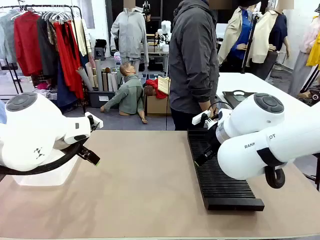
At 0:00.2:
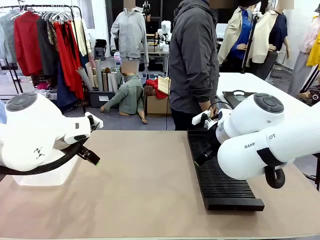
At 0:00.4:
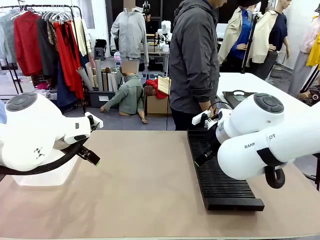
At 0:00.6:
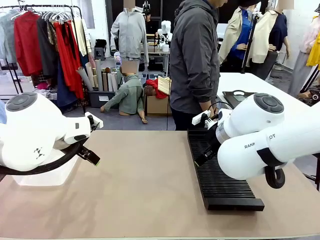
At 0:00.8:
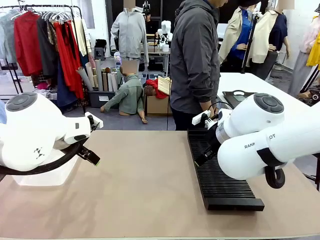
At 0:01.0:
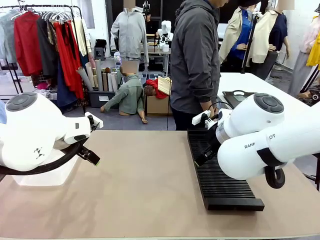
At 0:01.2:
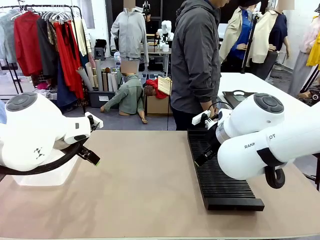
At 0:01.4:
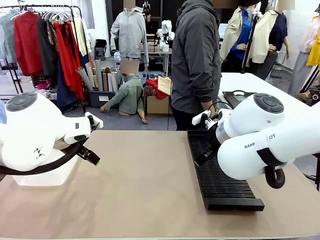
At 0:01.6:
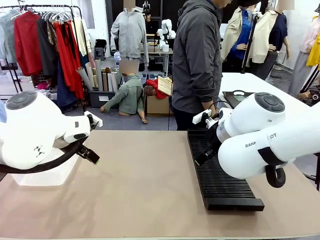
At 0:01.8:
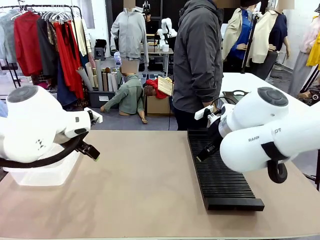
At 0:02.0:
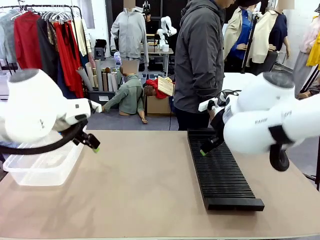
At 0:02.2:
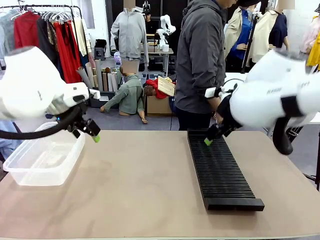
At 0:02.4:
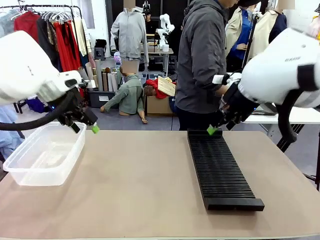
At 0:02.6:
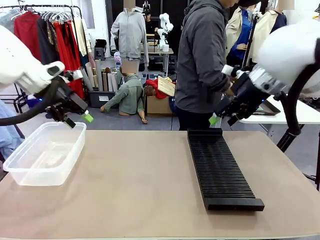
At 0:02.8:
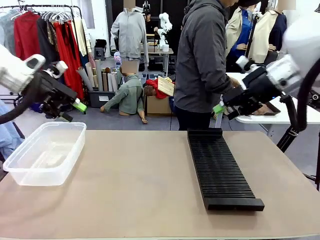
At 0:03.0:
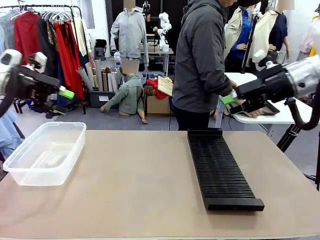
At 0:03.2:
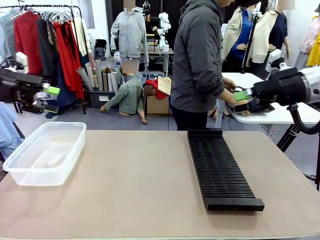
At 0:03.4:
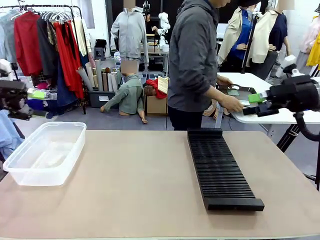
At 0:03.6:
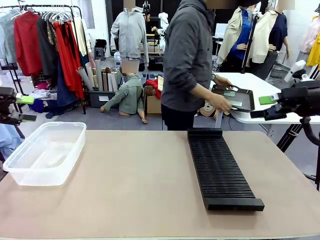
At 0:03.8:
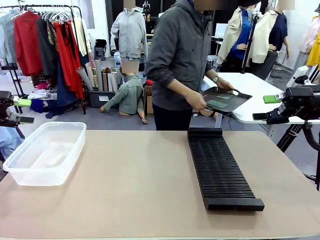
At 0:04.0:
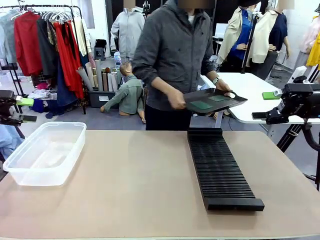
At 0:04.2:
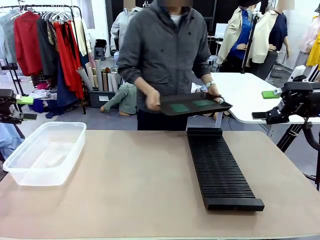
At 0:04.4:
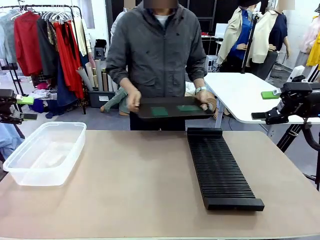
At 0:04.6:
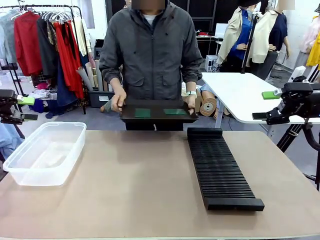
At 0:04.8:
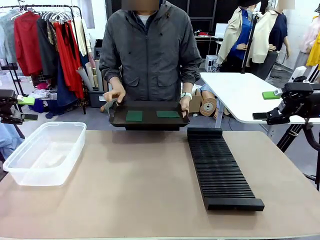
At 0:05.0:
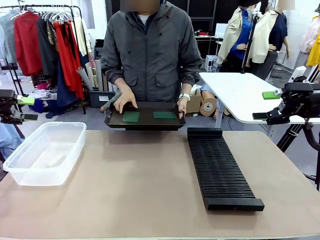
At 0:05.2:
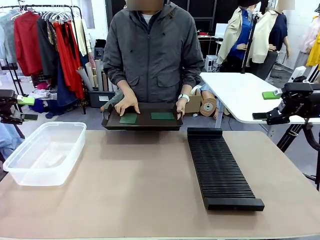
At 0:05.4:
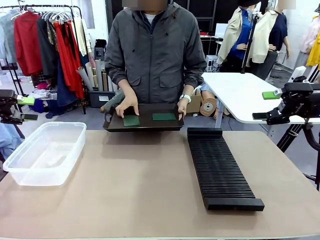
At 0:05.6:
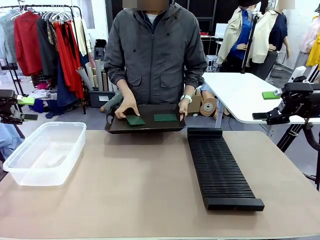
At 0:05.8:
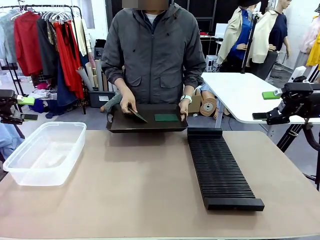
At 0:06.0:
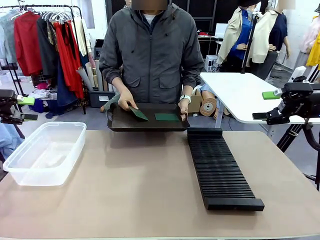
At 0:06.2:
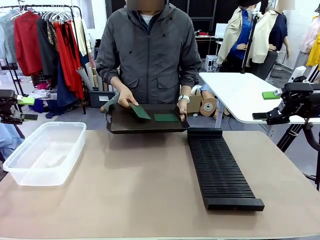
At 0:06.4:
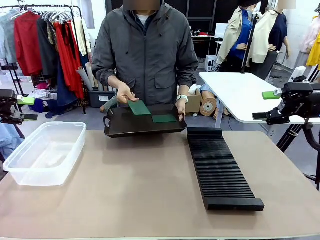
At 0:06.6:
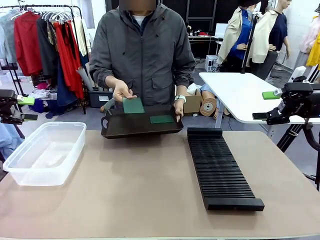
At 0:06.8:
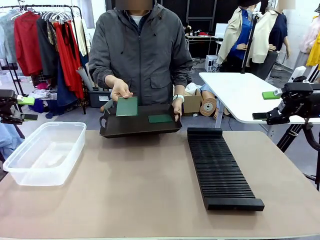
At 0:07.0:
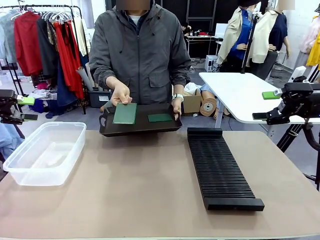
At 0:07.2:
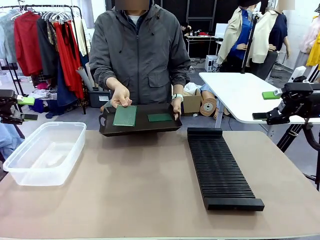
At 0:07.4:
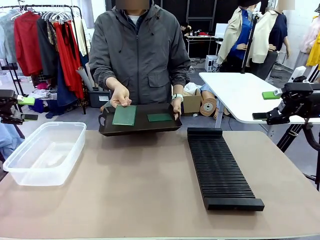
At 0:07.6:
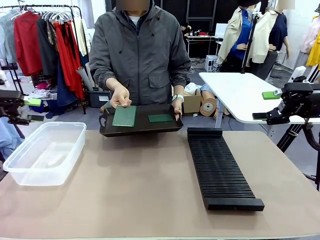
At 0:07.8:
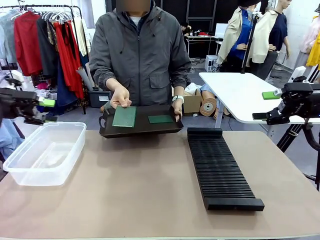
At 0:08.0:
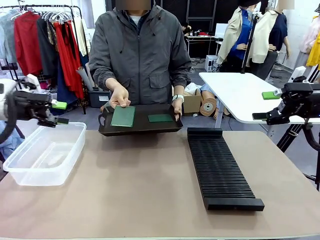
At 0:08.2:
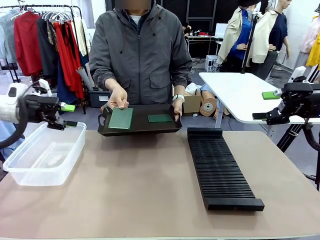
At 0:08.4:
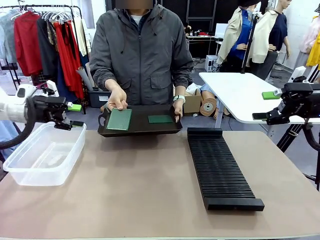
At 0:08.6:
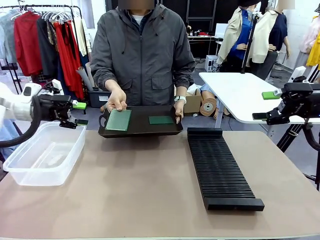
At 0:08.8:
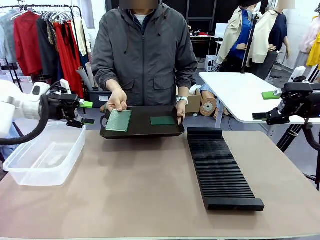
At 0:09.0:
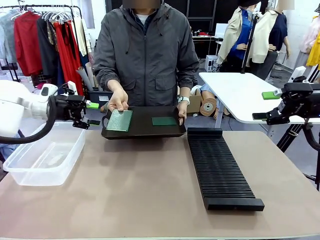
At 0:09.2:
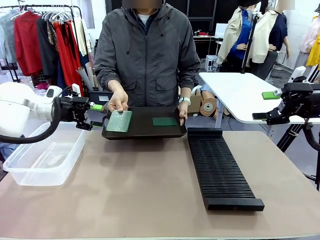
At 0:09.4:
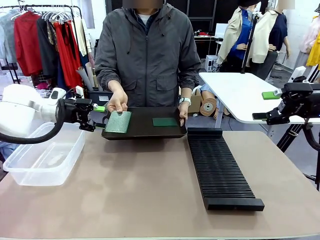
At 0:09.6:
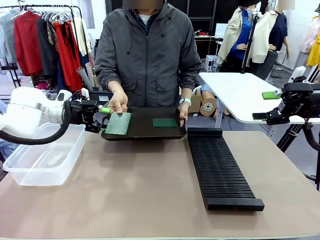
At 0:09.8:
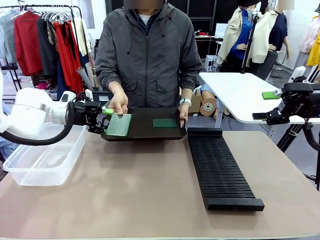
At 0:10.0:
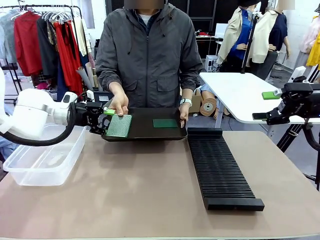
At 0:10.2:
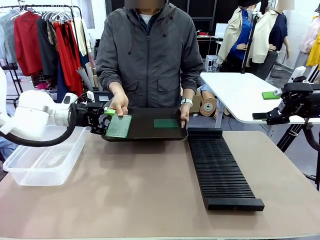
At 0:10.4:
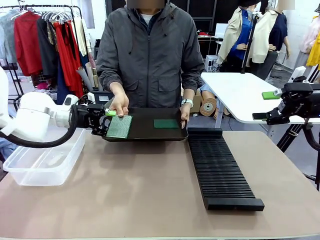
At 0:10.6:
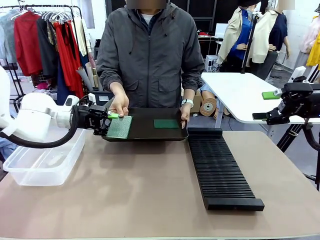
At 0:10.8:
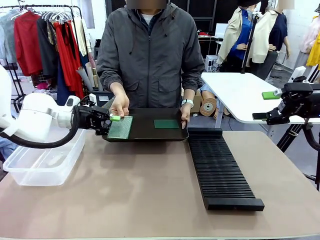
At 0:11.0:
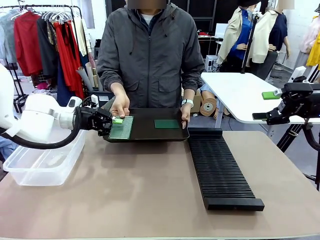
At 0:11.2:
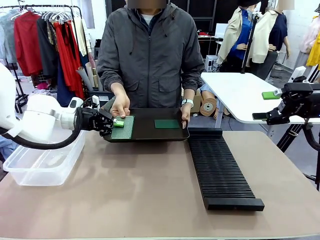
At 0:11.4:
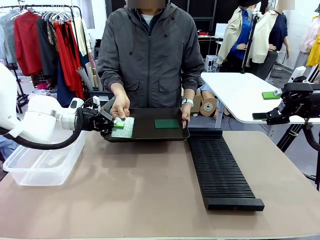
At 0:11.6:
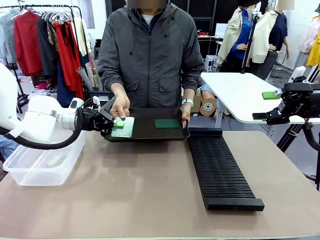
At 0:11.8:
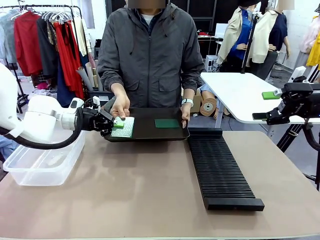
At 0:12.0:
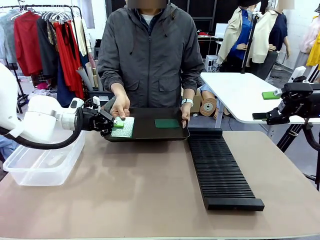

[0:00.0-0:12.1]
Task: Sort PCBs into racks and boxes based on the side picked up.
Robot: Pick up the Blank PCB handed by the Human.
Person: Pick one PCB from the tray and present it to the robot. Release the PCB being held.

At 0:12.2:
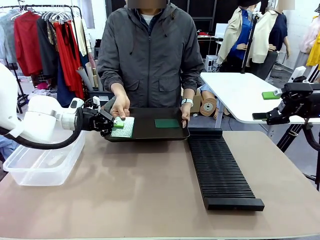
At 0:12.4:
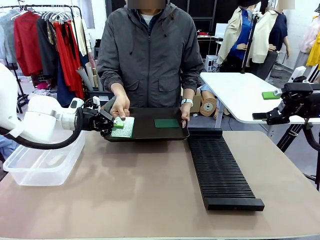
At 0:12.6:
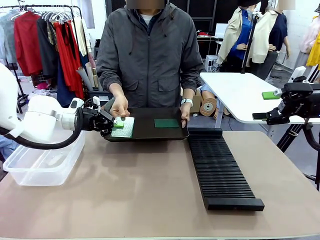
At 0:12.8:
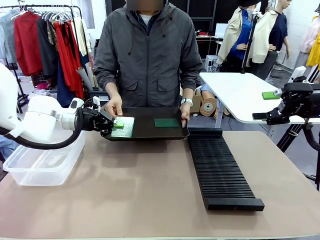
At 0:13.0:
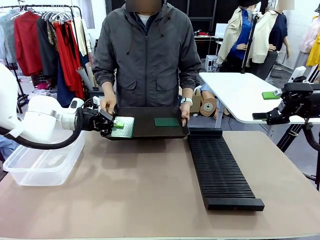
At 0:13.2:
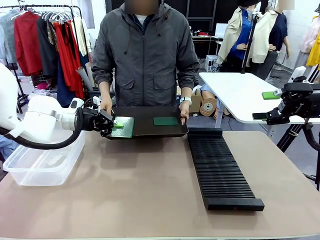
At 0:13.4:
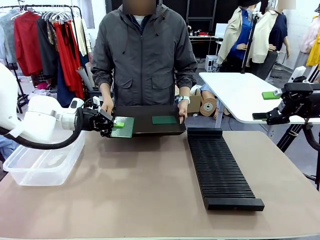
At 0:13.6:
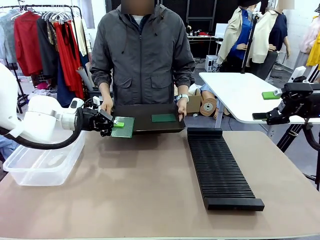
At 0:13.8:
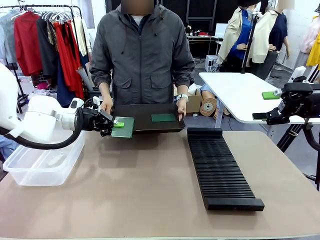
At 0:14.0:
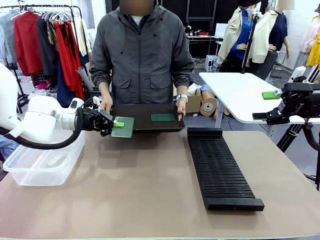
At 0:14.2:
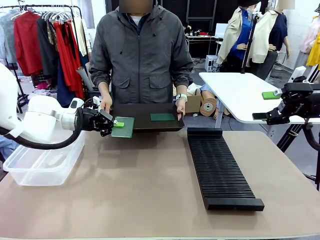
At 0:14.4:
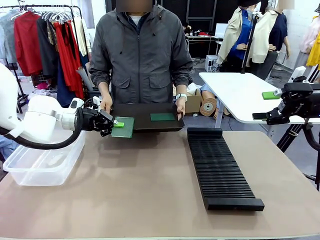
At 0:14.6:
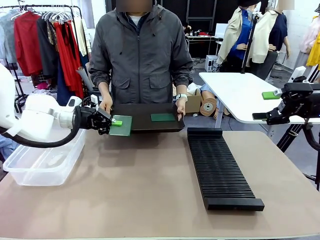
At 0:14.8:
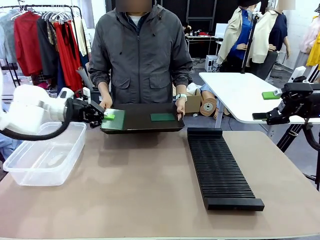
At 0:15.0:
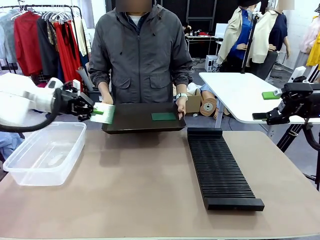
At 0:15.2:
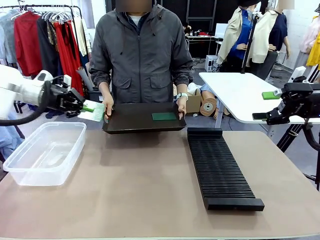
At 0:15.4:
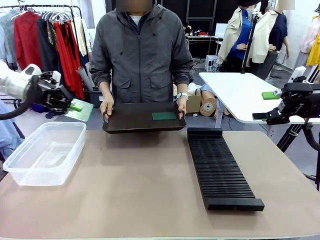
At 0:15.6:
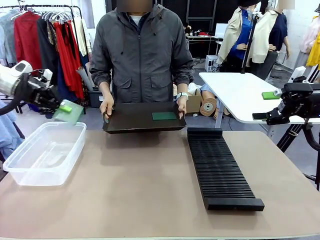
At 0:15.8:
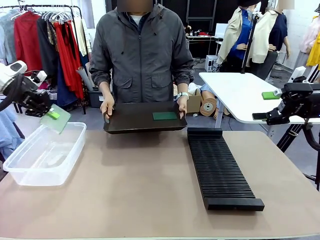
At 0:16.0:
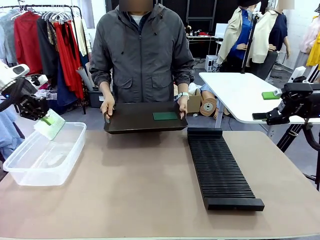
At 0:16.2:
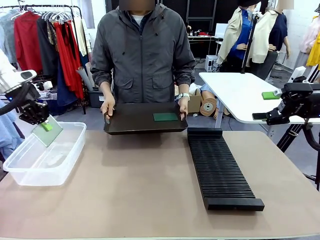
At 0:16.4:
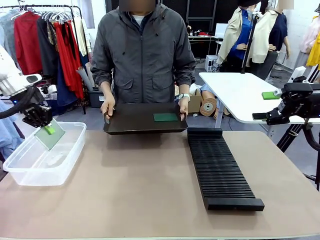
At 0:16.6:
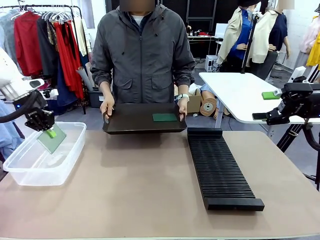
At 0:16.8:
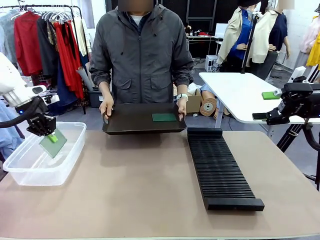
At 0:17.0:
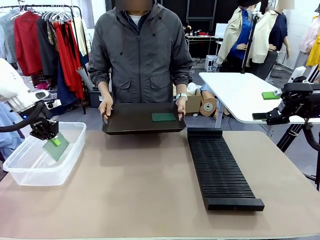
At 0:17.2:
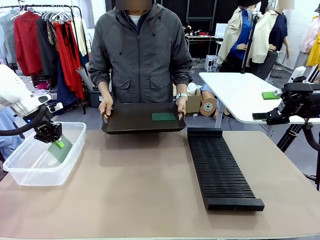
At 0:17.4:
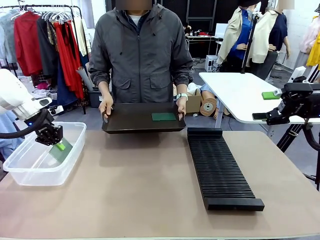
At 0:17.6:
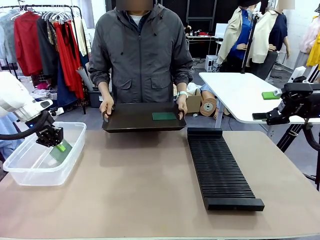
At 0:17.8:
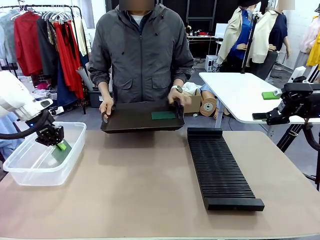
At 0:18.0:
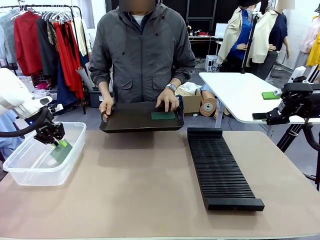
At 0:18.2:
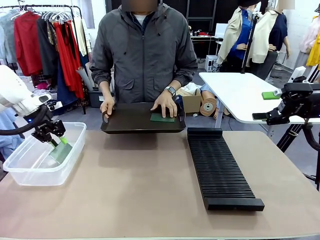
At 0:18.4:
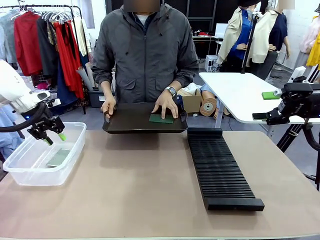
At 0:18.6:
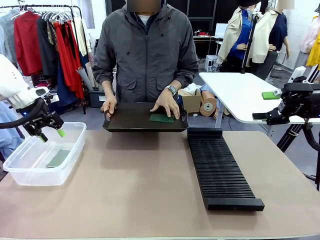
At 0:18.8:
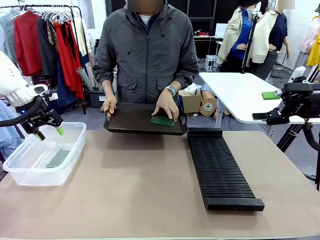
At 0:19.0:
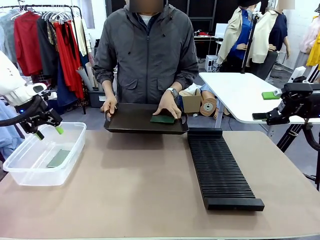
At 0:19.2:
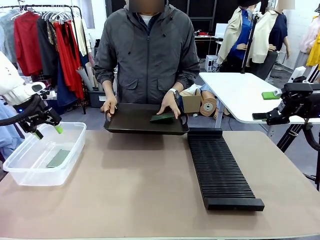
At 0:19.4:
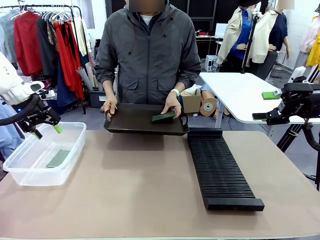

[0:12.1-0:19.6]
Robot: If the short side of the Blank PCB is picked up, insert it into the PCB Rack ; if the long side is picked up, place it in the Organizing box.
Person: Pick one PCB from the tray and present it to the robot.
